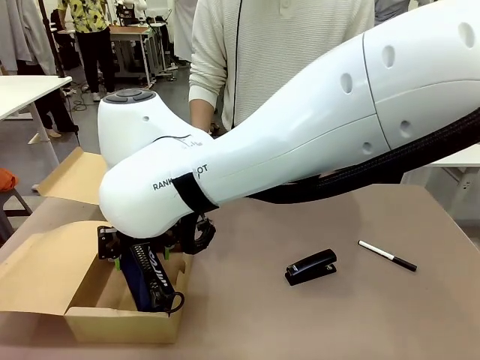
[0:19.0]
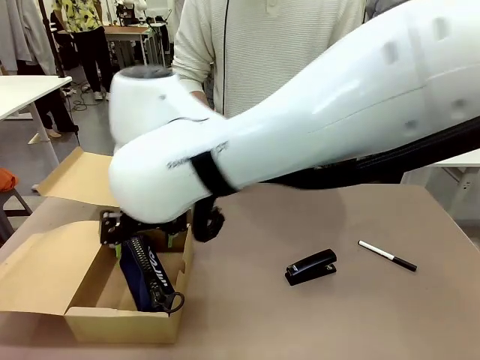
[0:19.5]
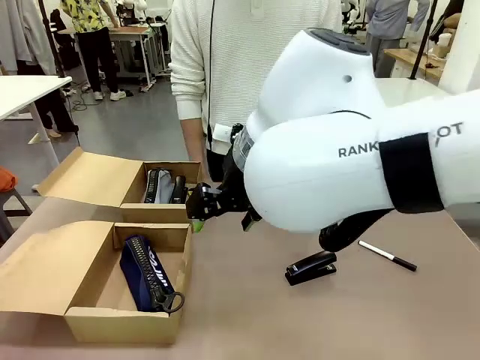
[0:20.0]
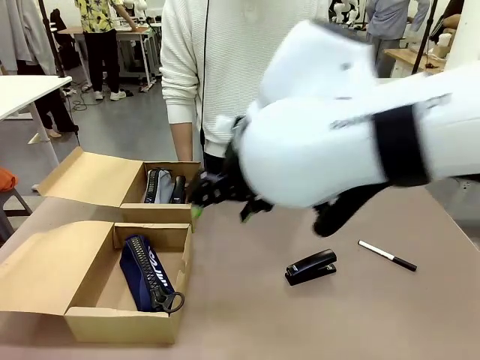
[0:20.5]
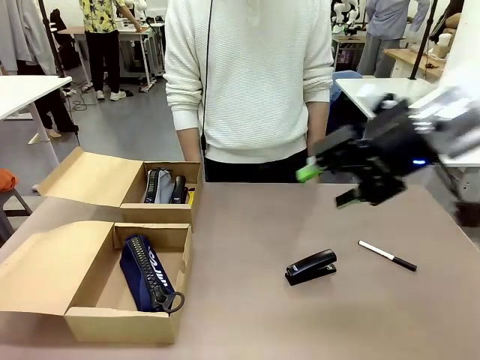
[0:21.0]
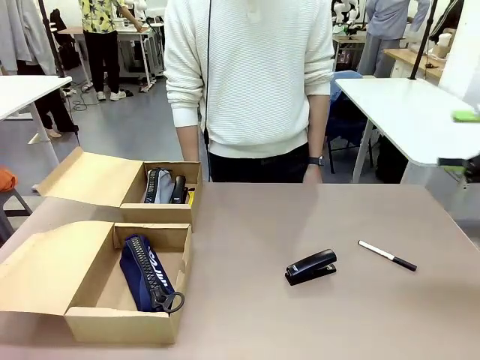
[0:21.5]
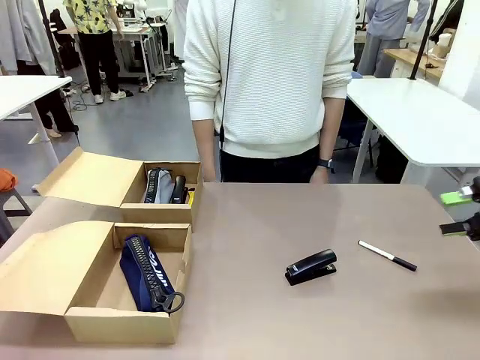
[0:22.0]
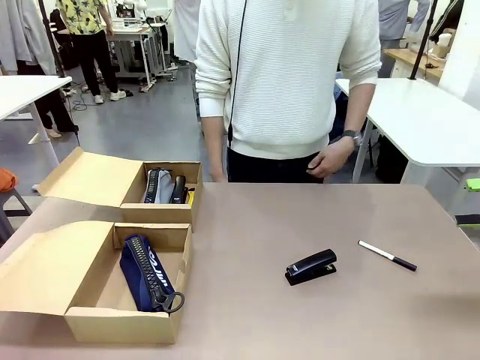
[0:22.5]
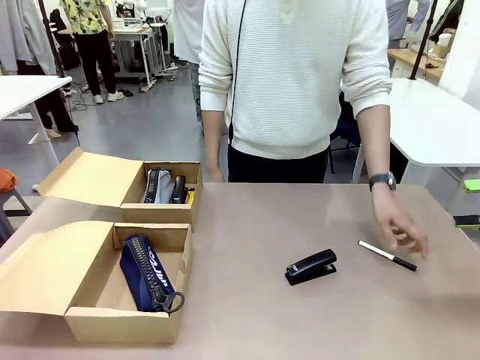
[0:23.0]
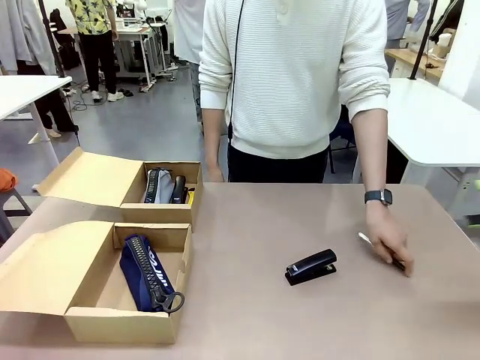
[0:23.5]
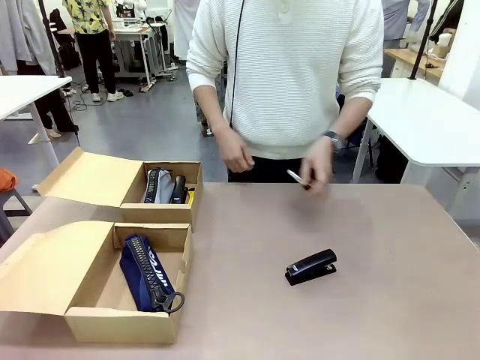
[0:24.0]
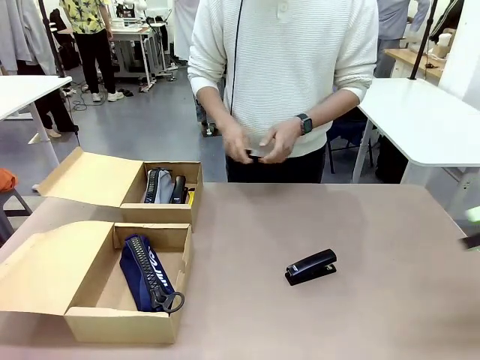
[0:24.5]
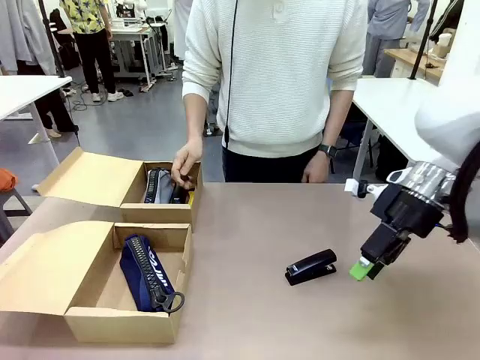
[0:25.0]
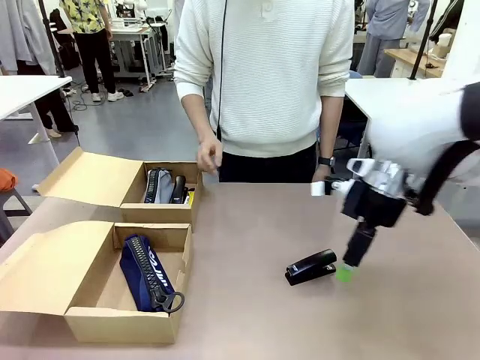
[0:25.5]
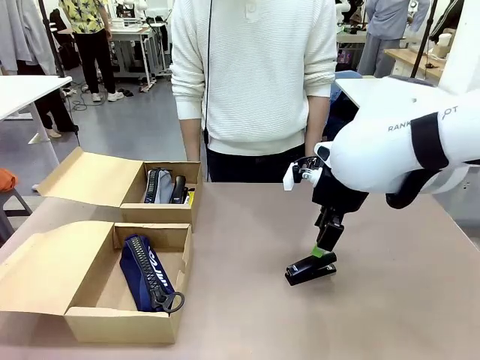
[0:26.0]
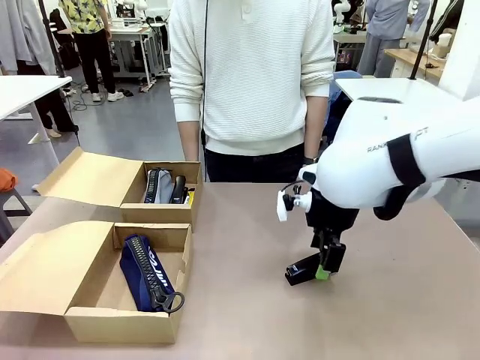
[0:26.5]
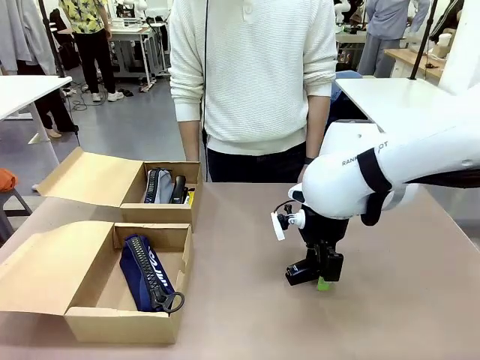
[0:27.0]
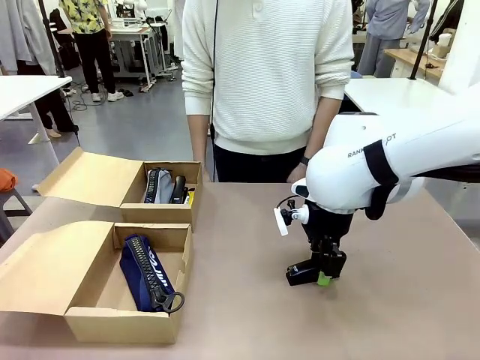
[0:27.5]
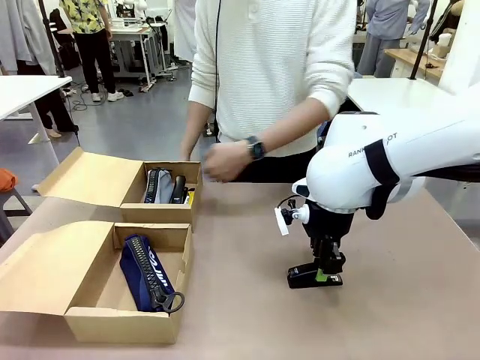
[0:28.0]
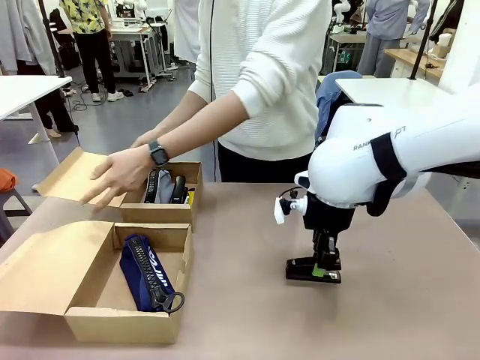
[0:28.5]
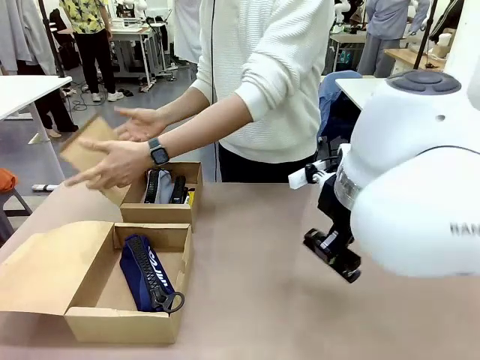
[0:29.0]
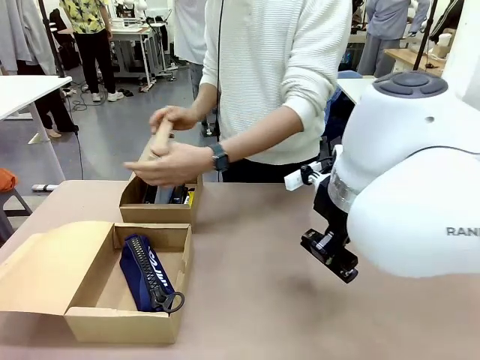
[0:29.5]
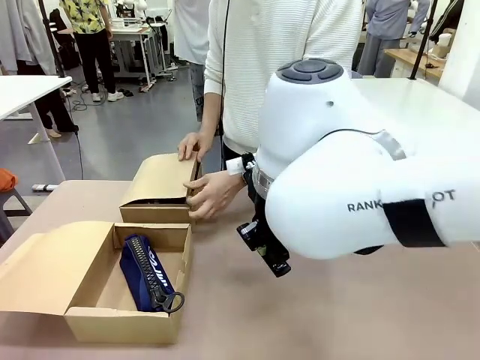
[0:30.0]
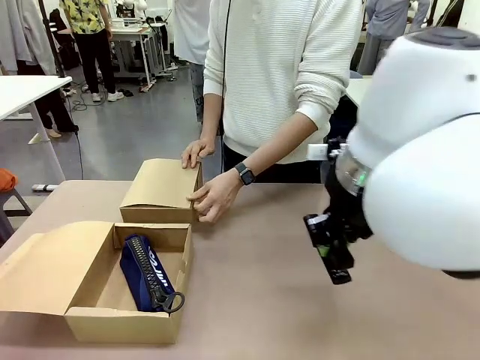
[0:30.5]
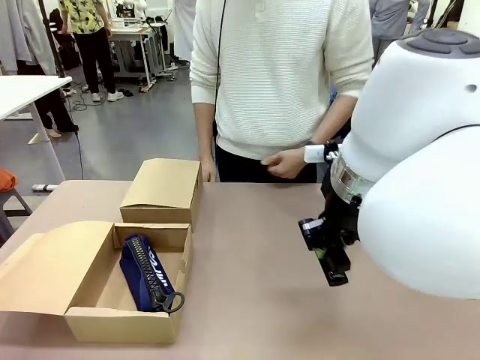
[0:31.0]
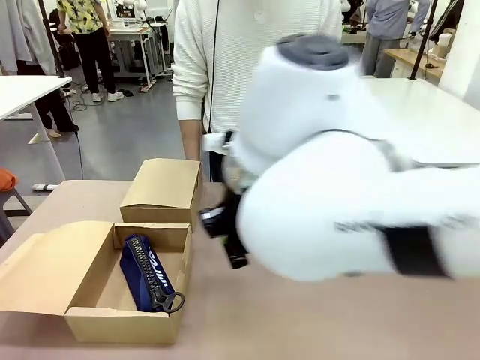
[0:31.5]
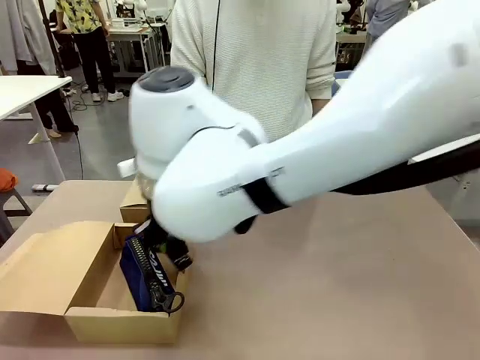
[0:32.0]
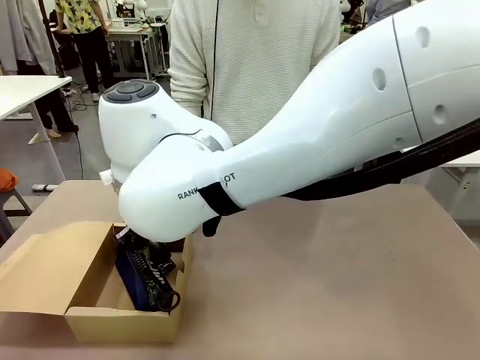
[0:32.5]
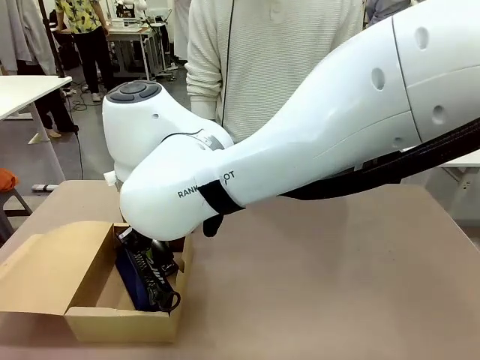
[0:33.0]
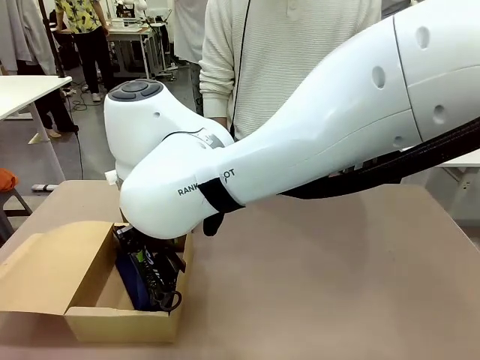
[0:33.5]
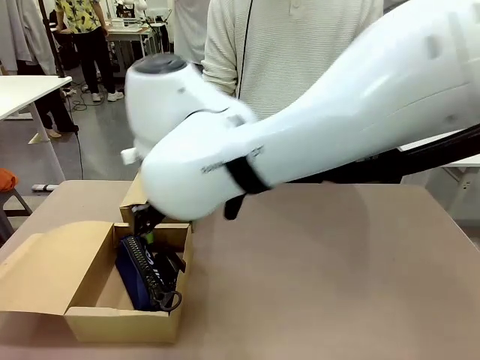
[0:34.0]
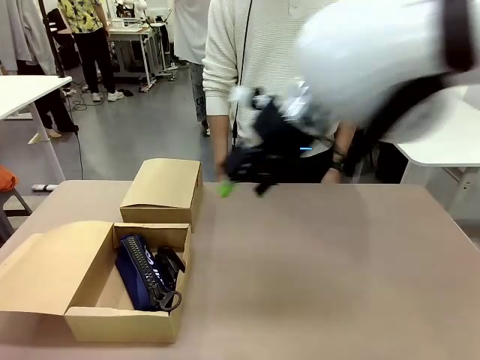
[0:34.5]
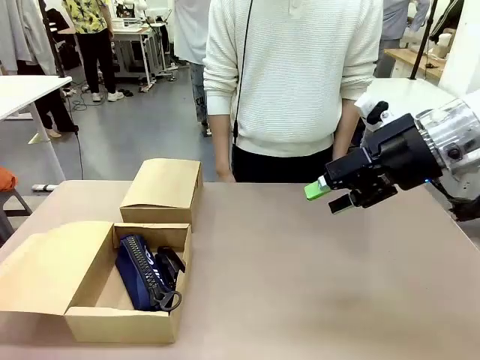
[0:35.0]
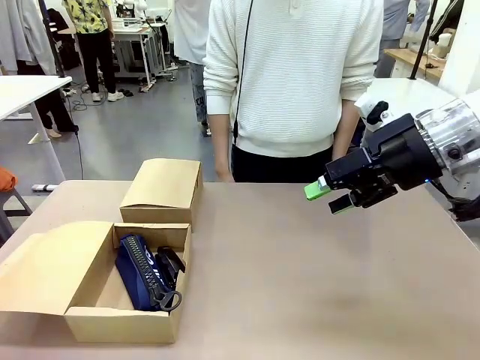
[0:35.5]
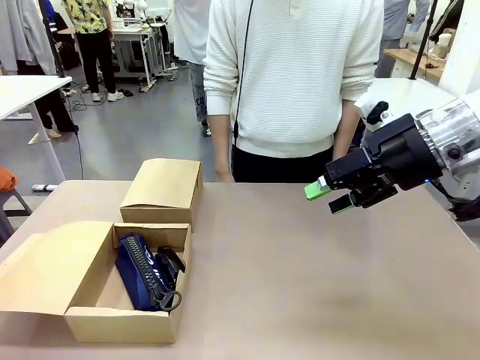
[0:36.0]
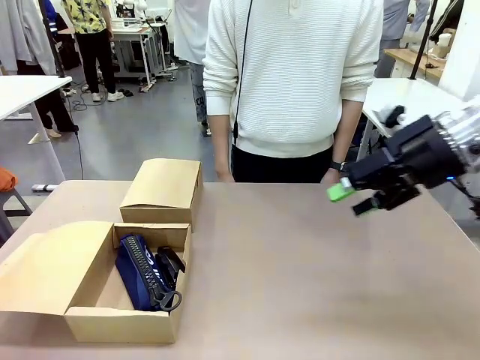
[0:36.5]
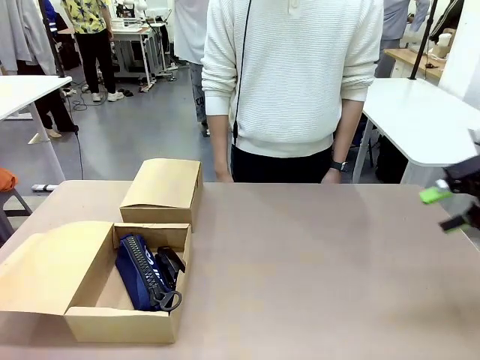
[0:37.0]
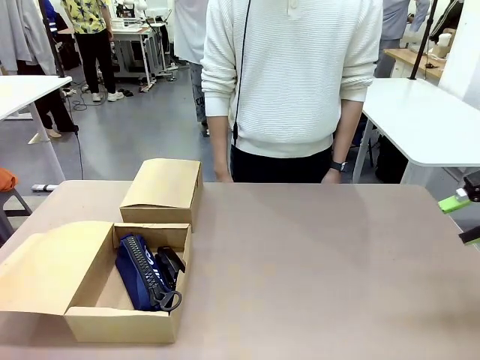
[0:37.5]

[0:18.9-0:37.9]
Task: Place items inside the box.
Robot: Pick up a Pencil pouch or Stapler and place it inside the Mailer Box closest to the robot.
Person: Close the lid of the box facing the person.

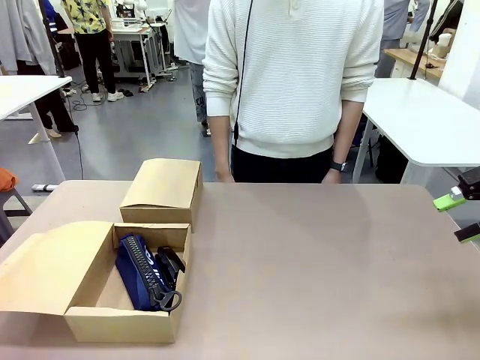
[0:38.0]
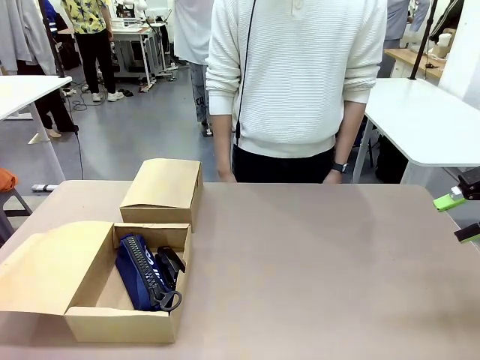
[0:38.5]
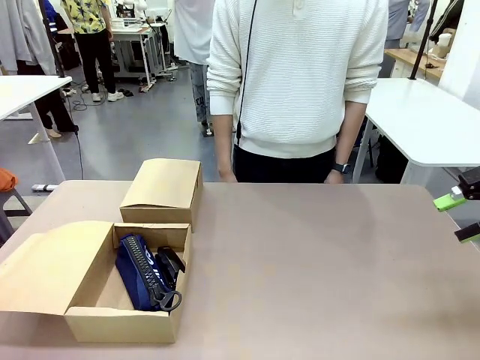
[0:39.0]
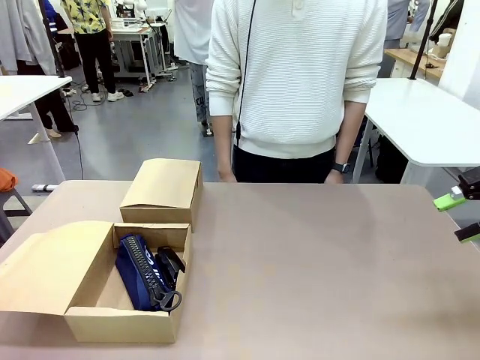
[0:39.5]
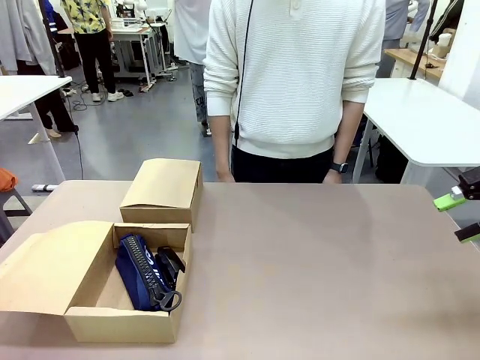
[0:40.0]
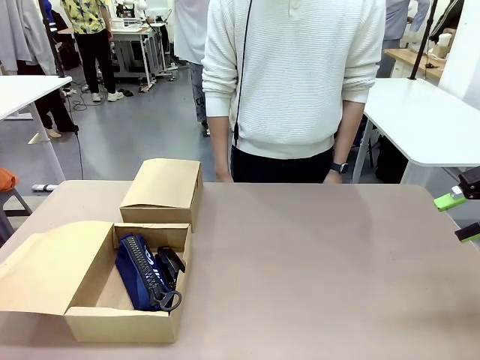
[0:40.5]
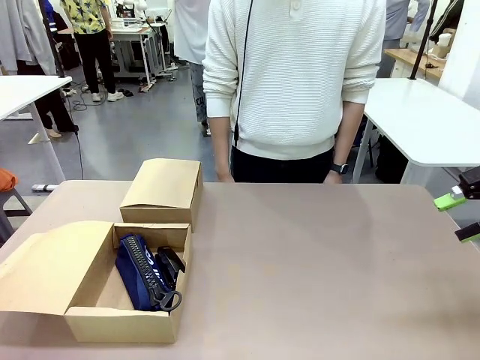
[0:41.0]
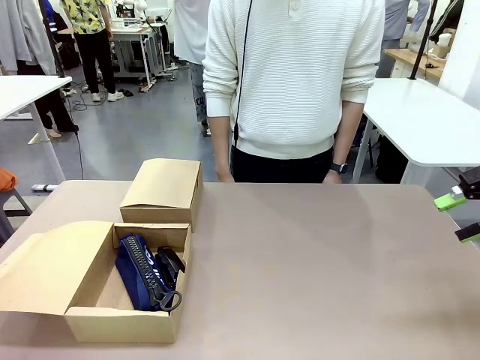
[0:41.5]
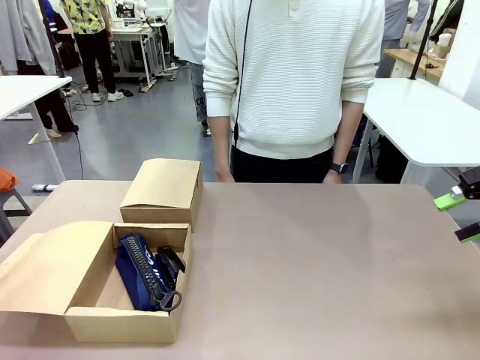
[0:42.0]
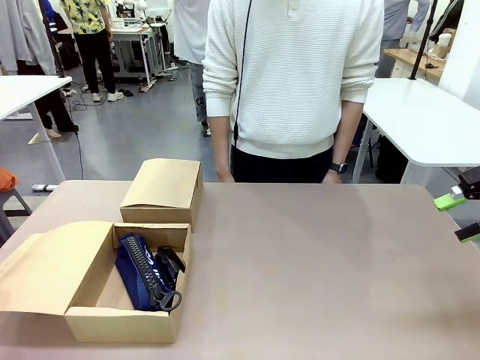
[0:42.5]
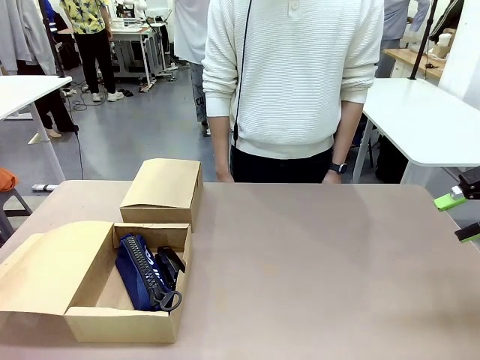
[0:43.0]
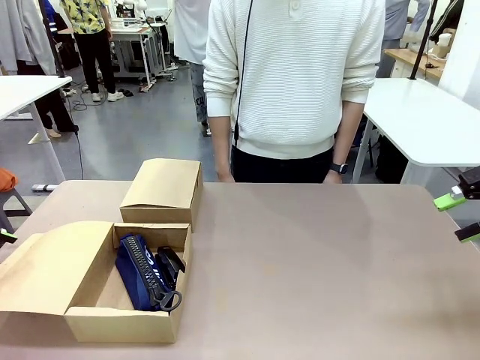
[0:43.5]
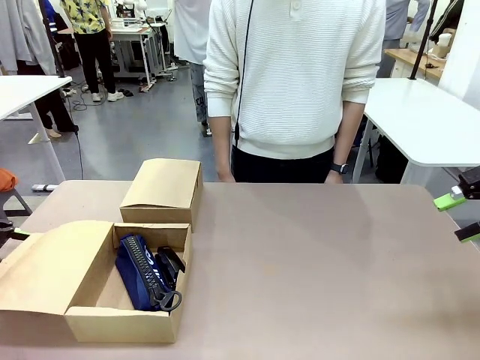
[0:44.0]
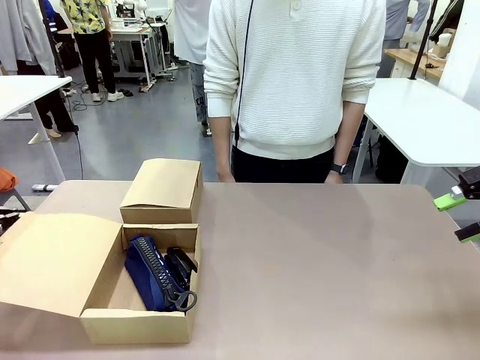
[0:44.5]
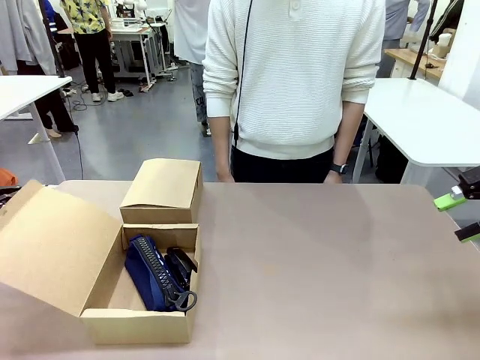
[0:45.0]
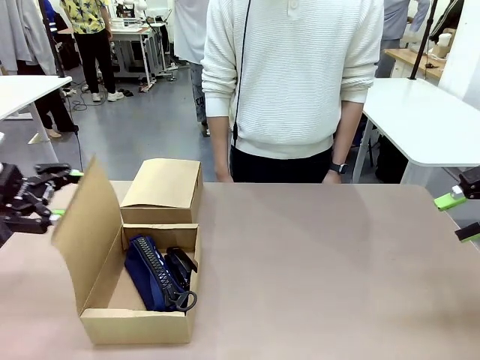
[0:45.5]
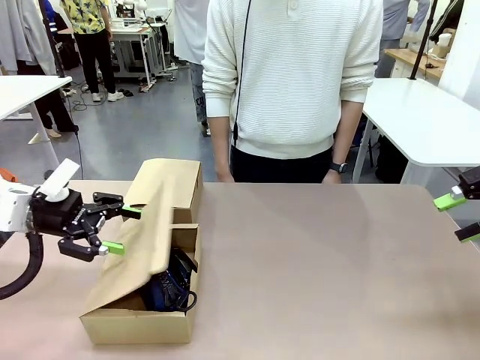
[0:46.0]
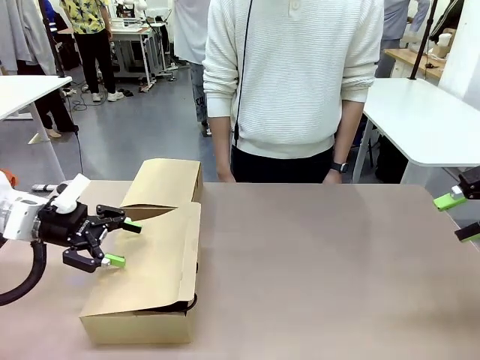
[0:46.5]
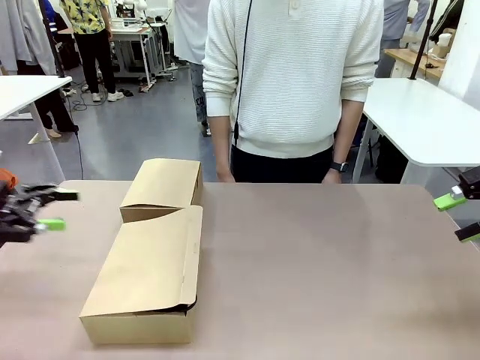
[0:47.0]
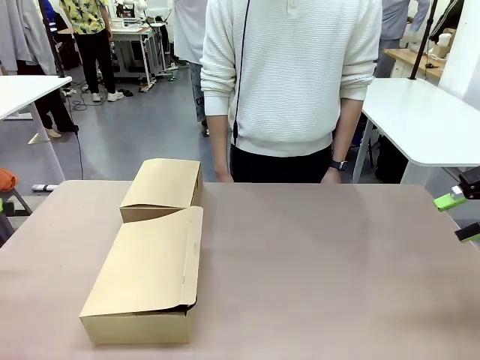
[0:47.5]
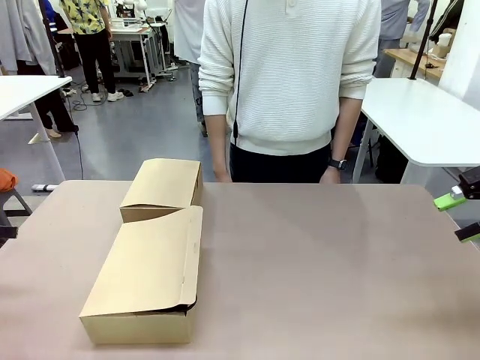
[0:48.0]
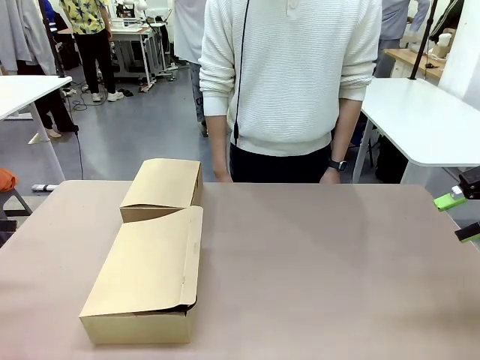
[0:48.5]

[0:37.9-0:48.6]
Robot: Close the lid of the Mailer Box closest to the robot.
